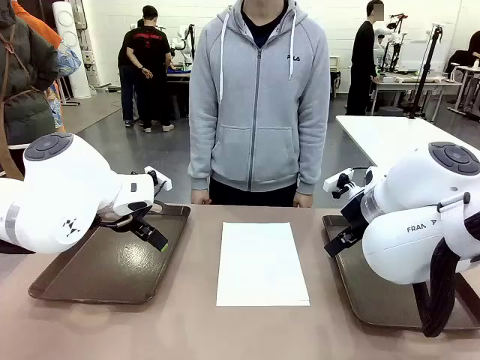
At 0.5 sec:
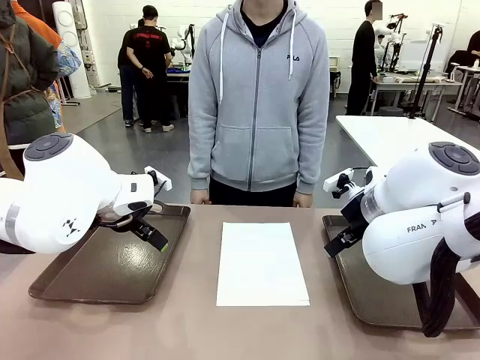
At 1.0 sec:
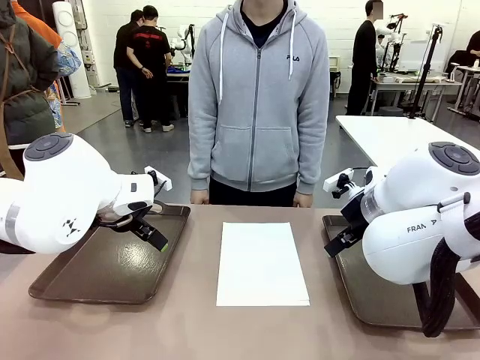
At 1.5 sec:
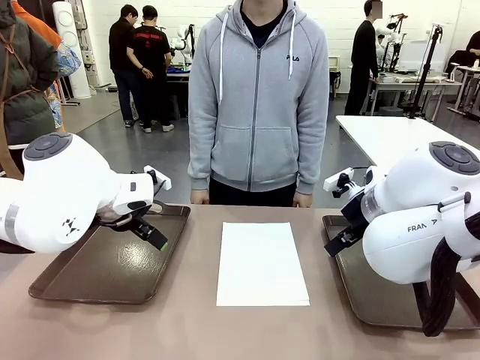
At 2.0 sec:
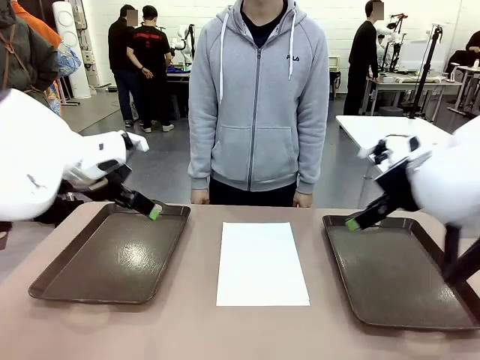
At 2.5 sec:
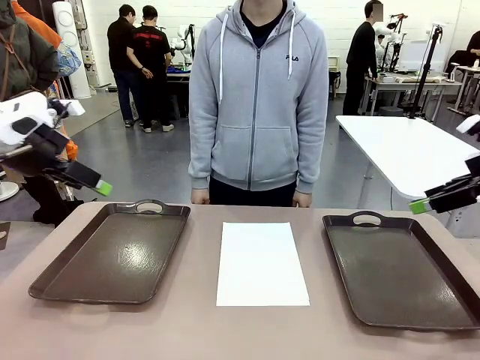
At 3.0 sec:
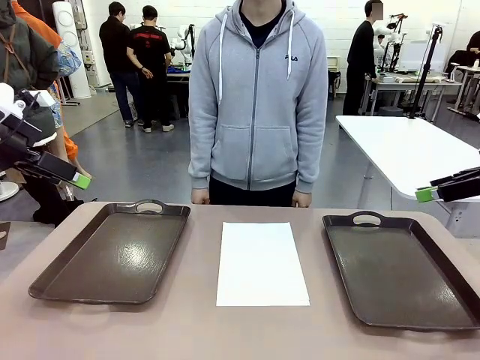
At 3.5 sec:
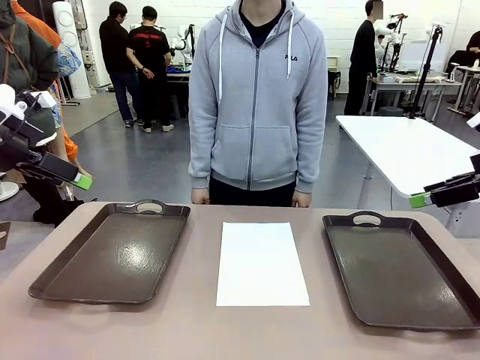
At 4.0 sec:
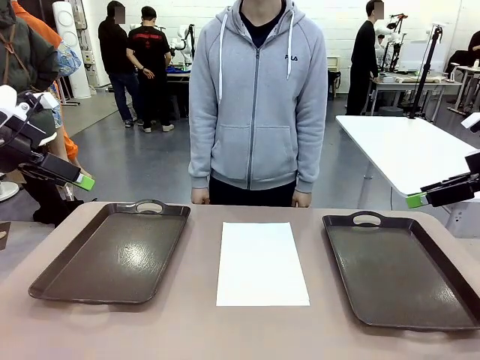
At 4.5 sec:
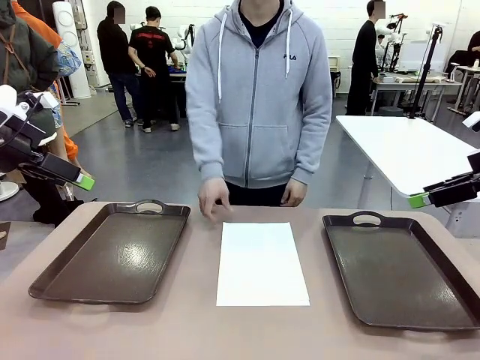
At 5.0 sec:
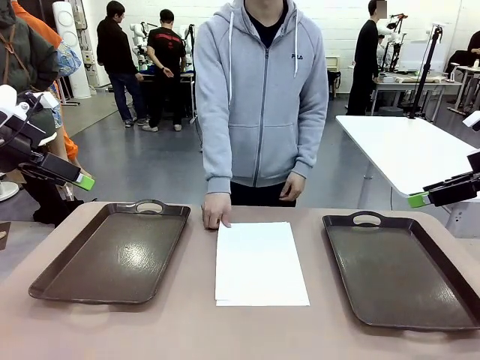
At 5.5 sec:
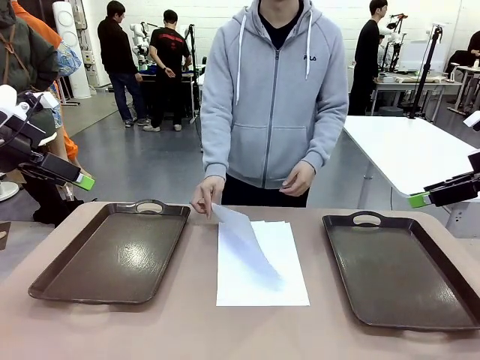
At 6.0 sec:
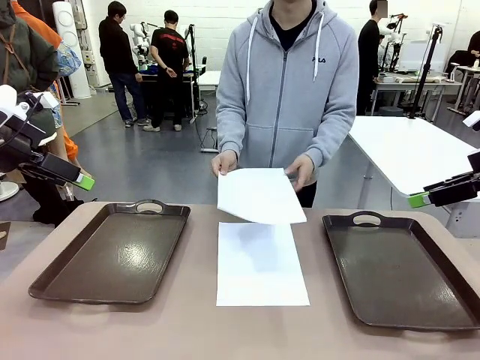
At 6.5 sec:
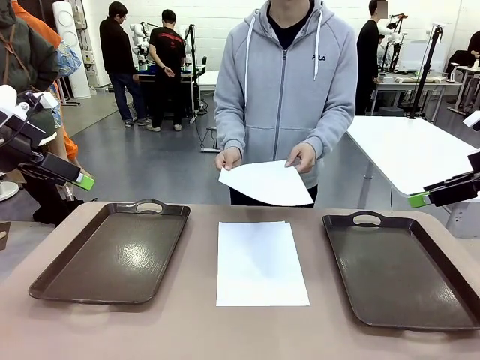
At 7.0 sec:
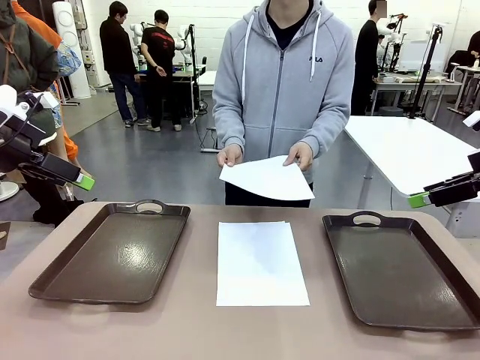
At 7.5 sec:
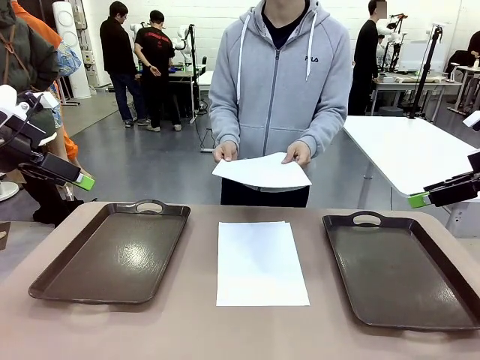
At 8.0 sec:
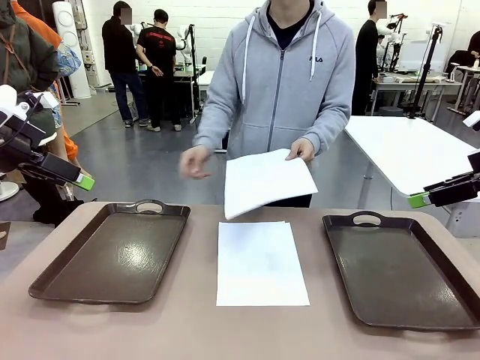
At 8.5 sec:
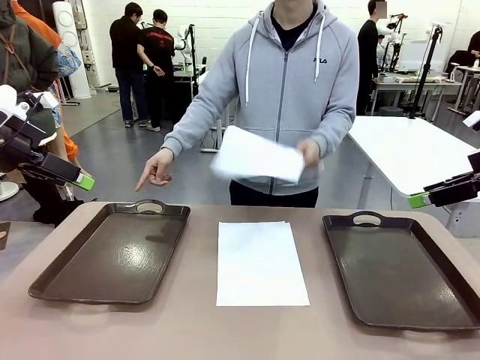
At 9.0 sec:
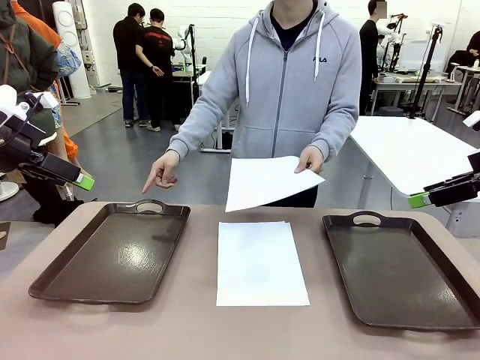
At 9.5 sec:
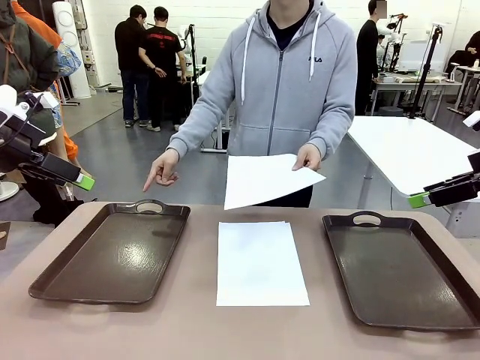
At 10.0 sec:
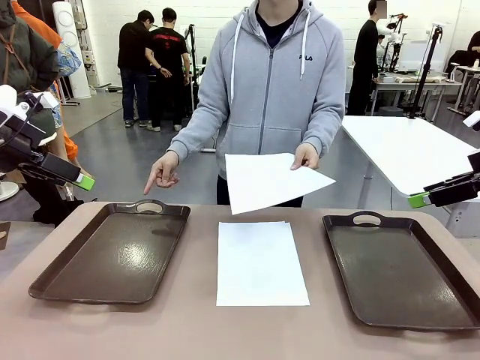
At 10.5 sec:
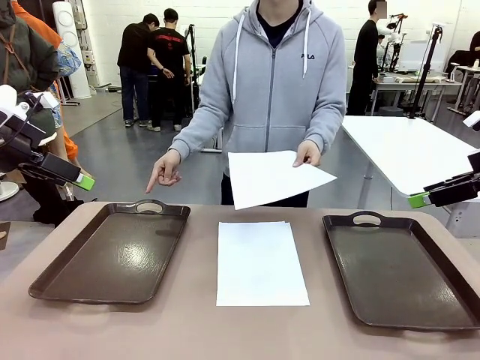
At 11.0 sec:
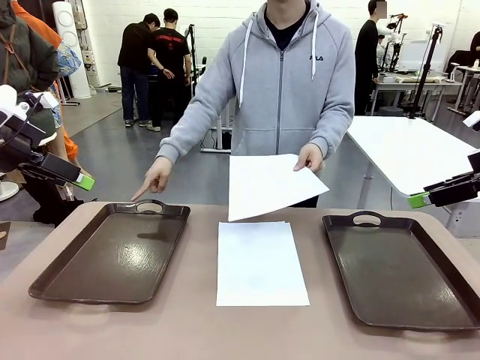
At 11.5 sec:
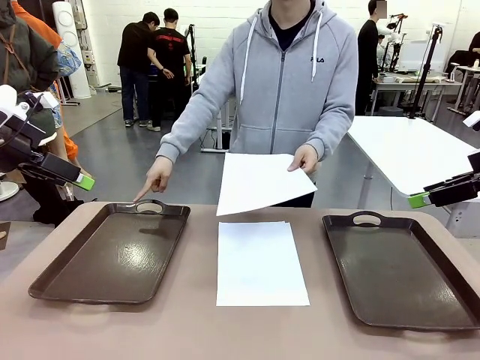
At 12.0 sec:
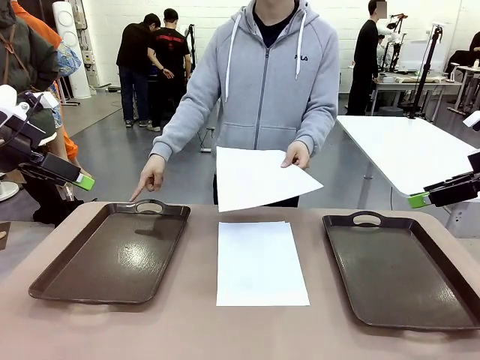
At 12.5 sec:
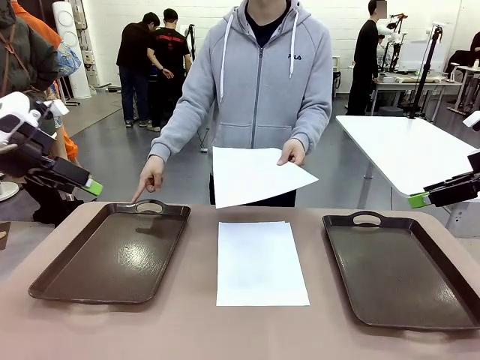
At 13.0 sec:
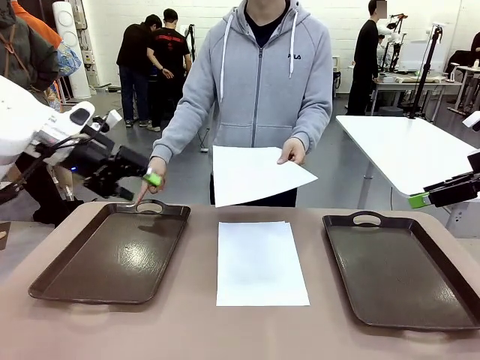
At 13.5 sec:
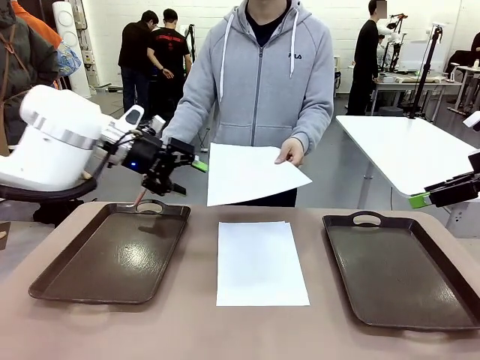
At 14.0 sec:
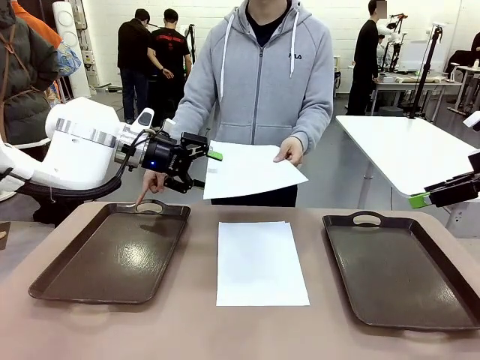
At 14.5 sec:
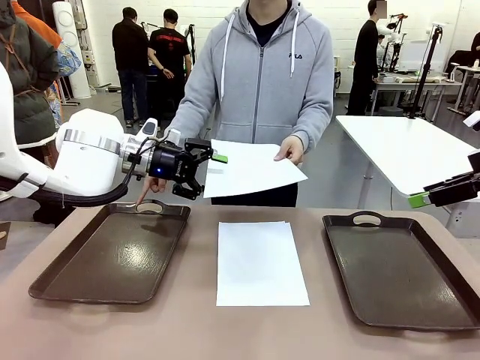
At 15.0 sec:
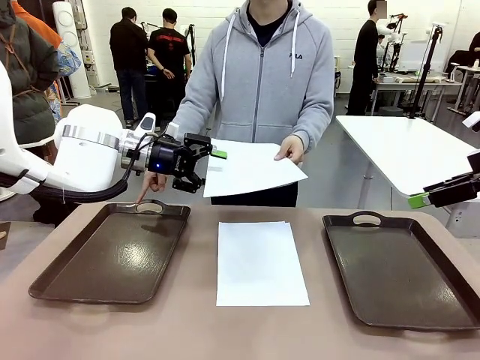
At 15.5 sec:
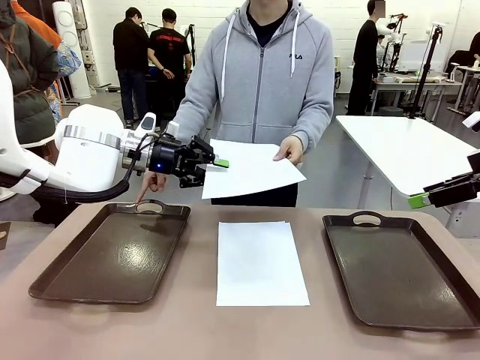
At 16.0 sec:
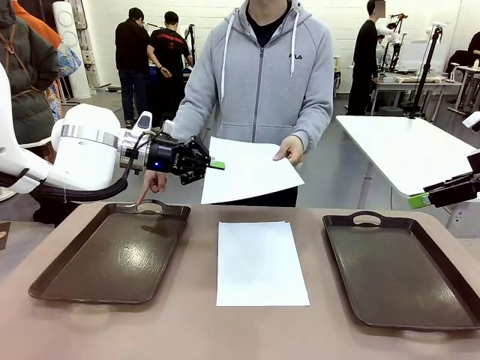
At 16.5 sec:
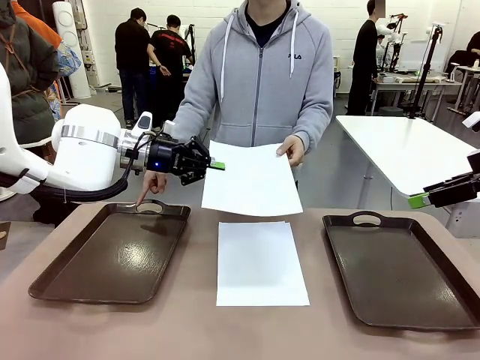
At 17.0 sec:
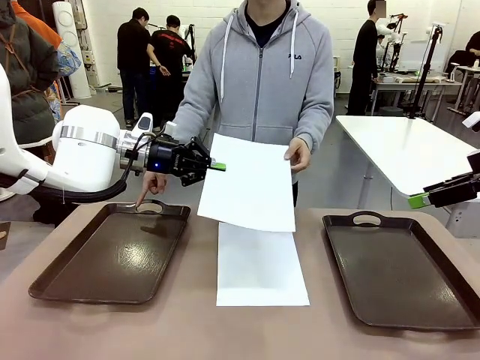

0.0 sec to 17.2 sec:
Task: Sort the A4 documents.
Robot: Receive the A4 Paper.
Person: Pick up a sheet of paper from the center of the table and hand it to the robot. Point the randomly selected tray with the other hand.

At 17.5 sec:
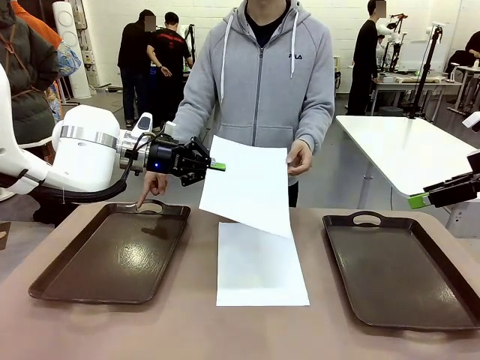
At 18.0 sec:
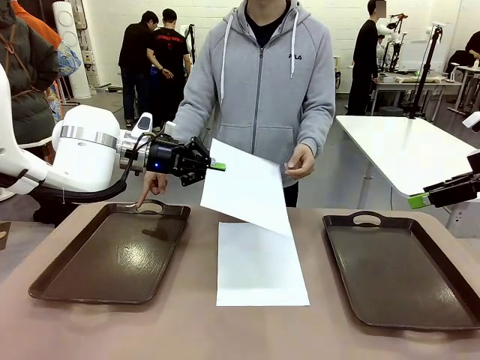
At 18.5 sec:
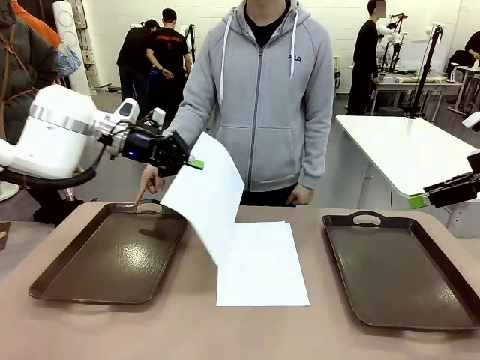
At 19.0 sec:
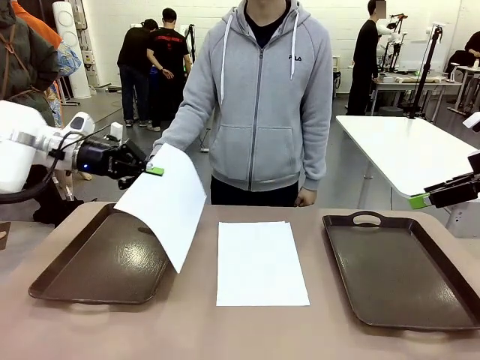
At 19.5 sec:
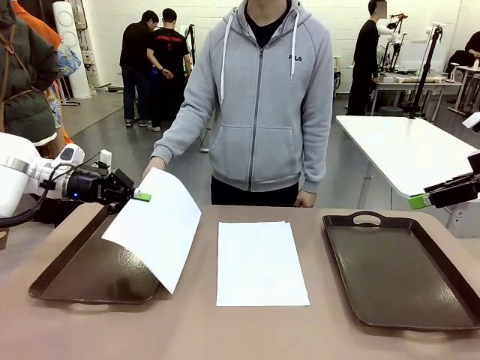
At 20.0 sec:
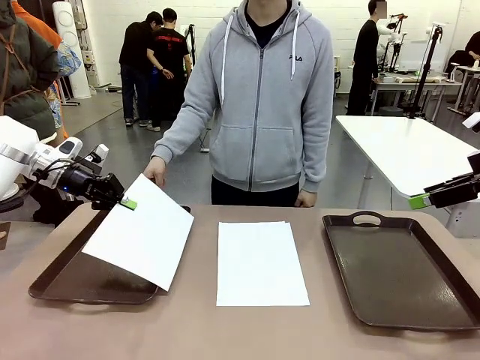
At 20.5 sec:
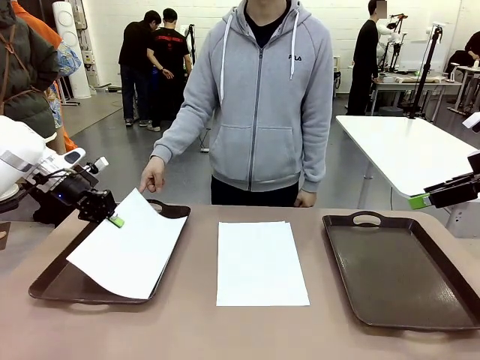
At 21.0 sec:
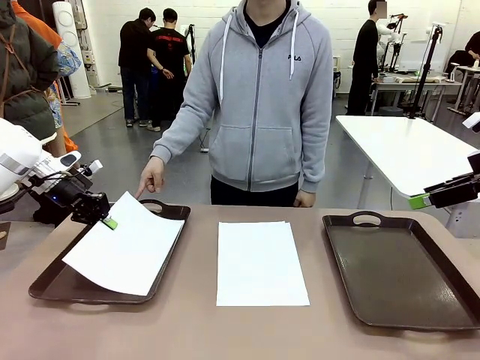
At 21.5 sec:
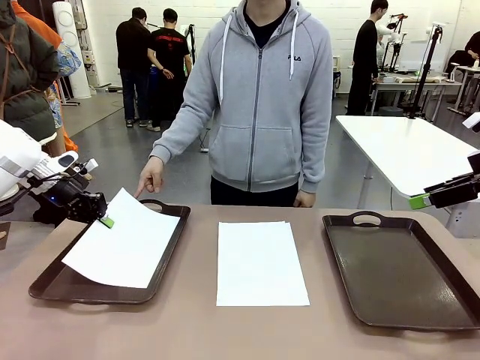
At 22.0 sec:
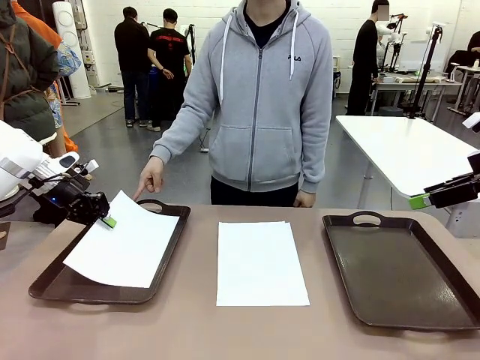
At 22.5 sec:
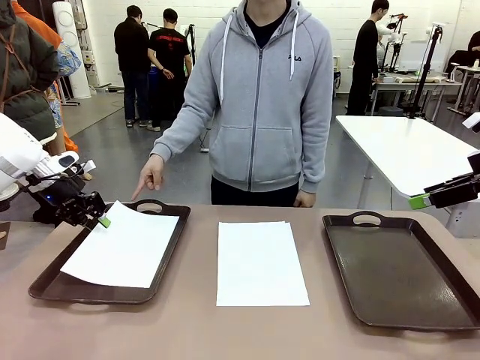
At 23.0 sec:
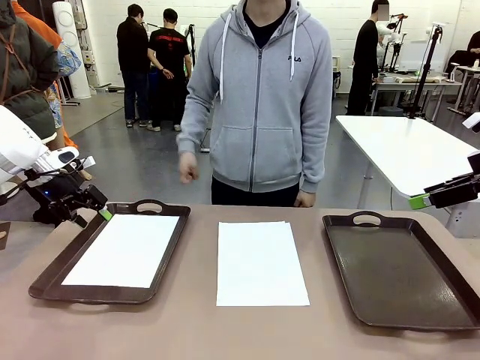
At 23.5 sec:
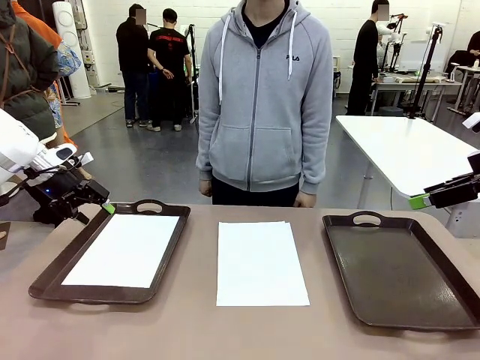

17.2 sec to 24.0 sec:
Robot: Place the A4 Paper in the designated Handle tray.

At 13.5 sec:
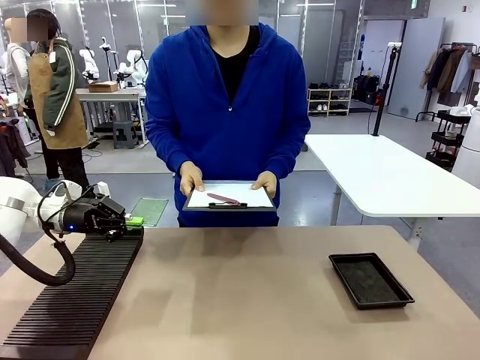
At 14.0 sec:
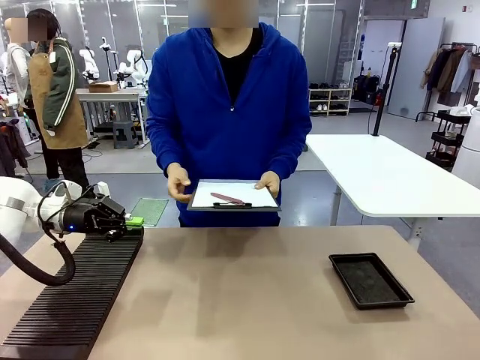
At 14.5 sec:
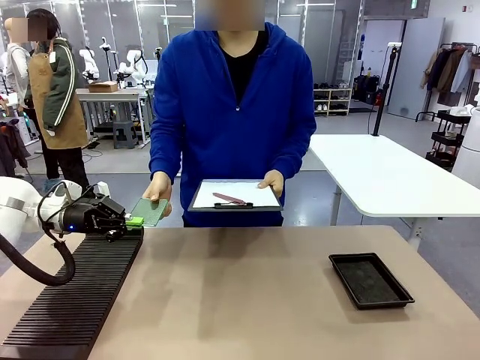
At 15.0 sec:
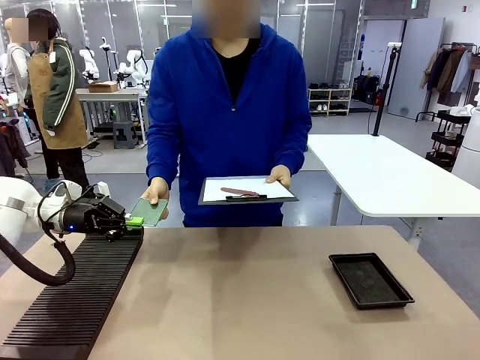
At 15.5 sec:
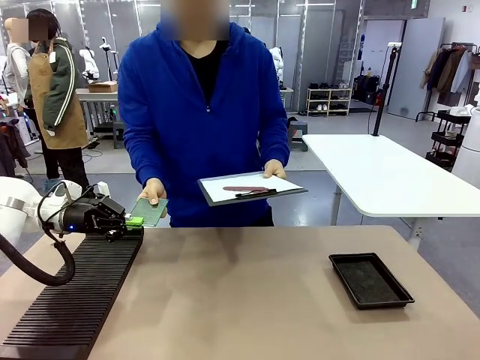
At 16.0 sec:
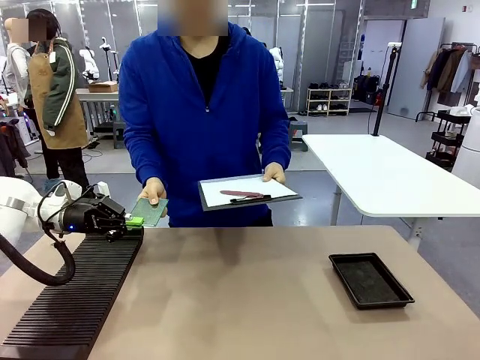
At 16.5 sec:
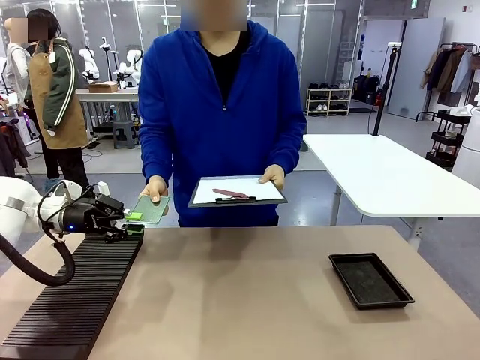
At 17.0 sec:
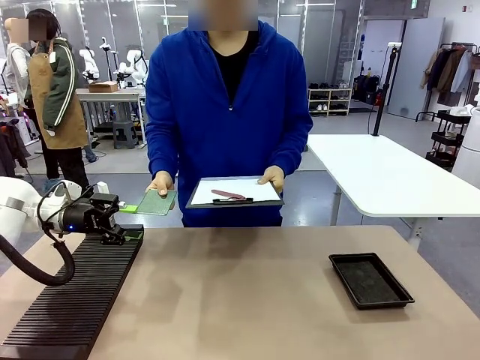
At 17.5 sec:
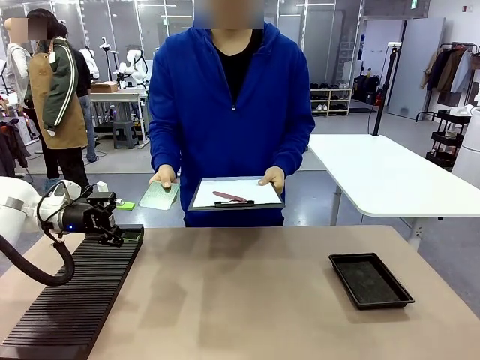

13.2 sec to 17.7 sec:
Task: Inspect the PCB.
Robot: Release the Blank PCB you were holding.
